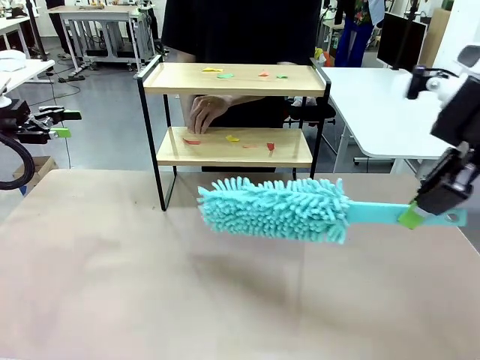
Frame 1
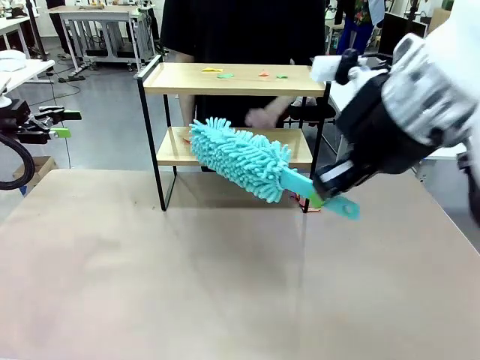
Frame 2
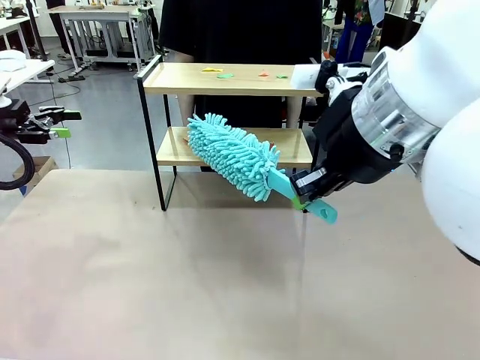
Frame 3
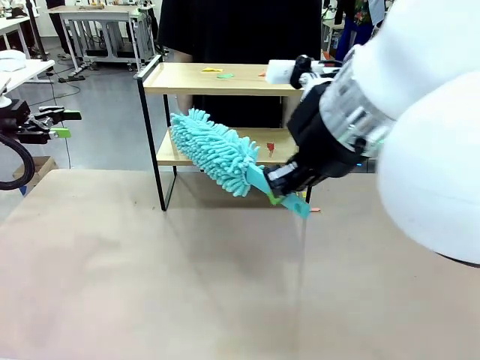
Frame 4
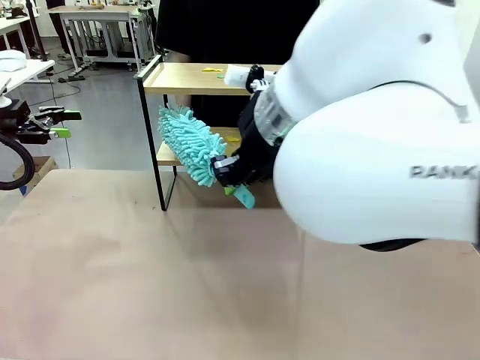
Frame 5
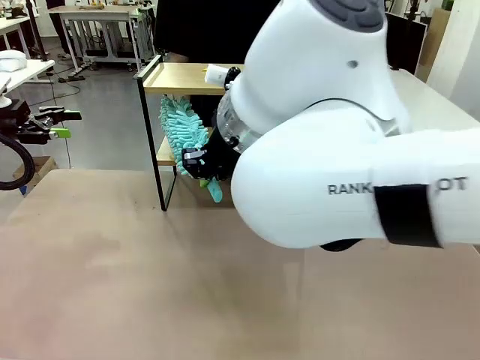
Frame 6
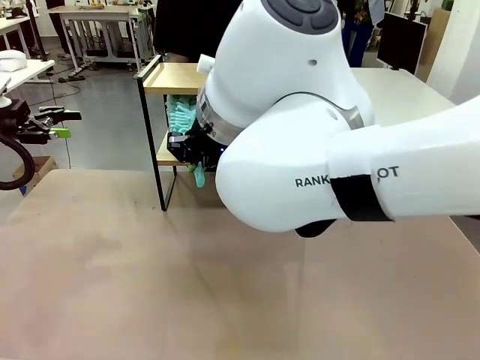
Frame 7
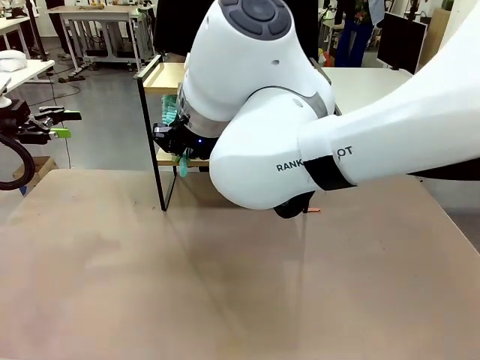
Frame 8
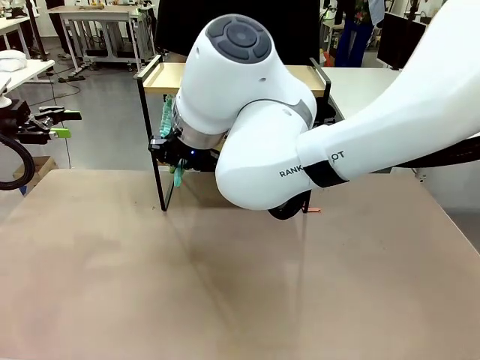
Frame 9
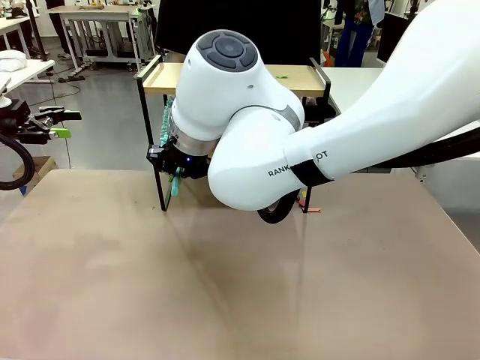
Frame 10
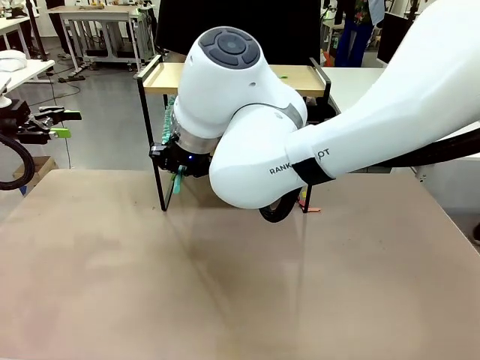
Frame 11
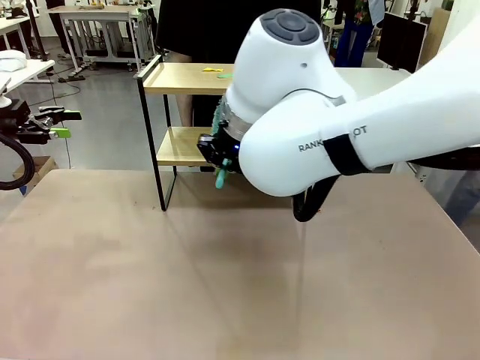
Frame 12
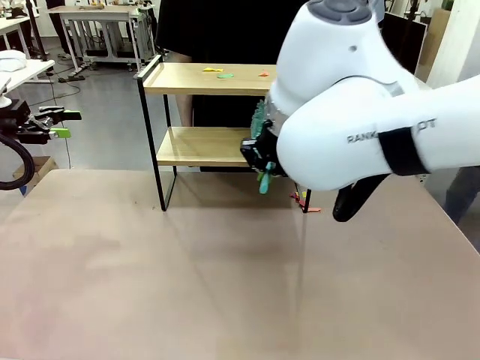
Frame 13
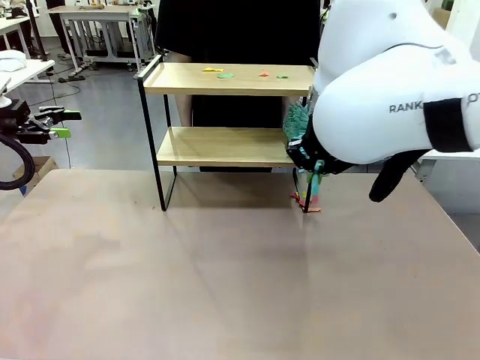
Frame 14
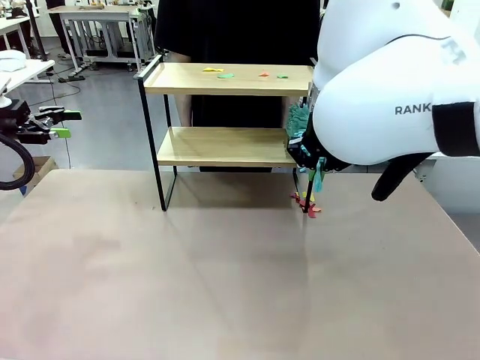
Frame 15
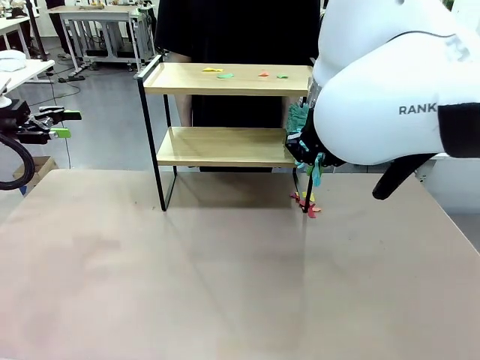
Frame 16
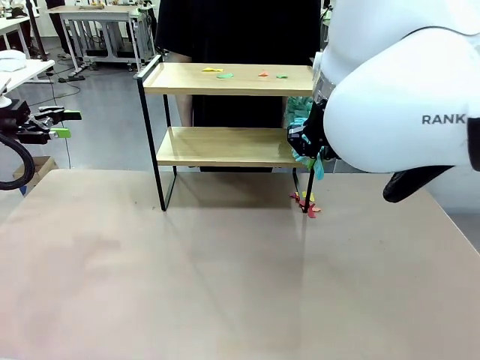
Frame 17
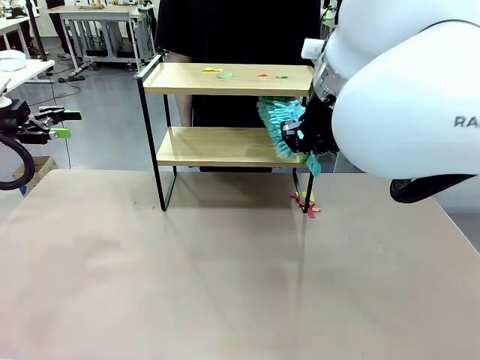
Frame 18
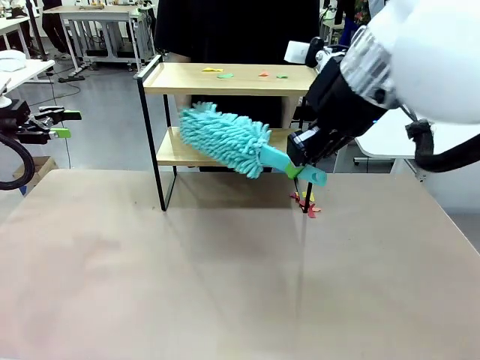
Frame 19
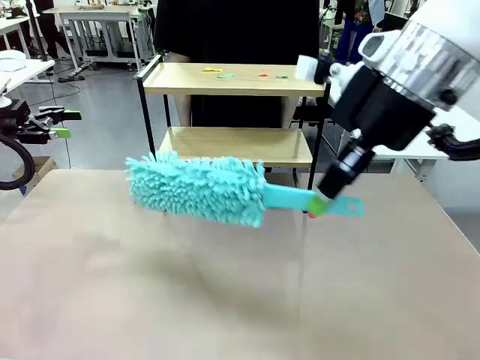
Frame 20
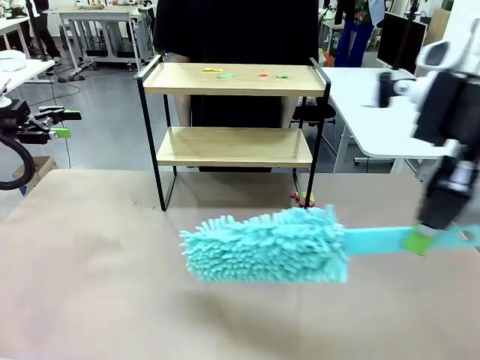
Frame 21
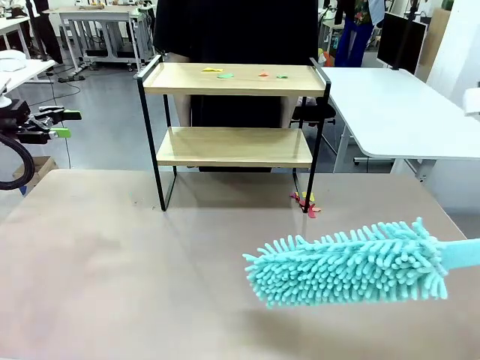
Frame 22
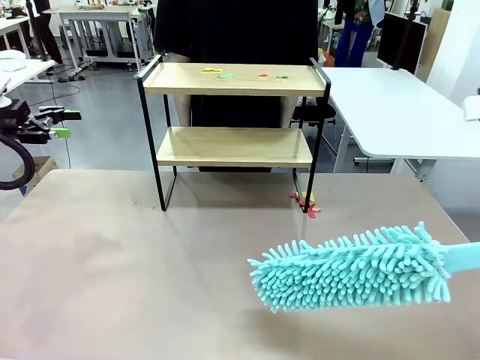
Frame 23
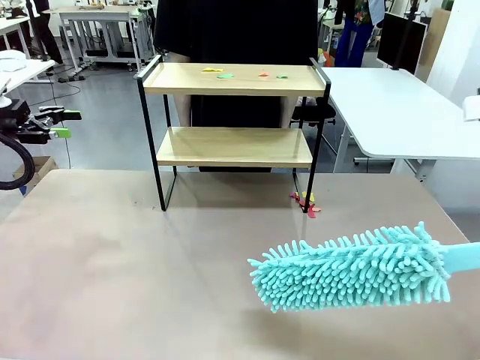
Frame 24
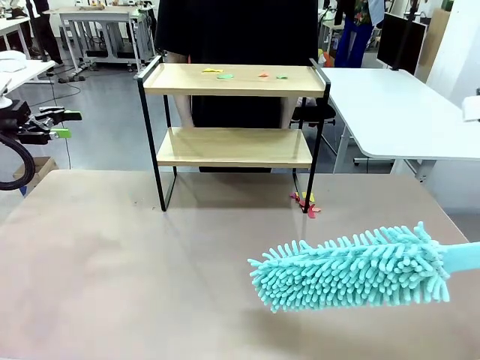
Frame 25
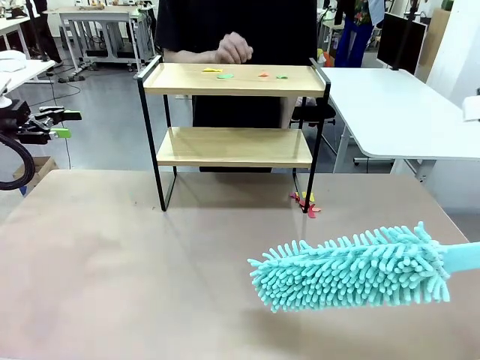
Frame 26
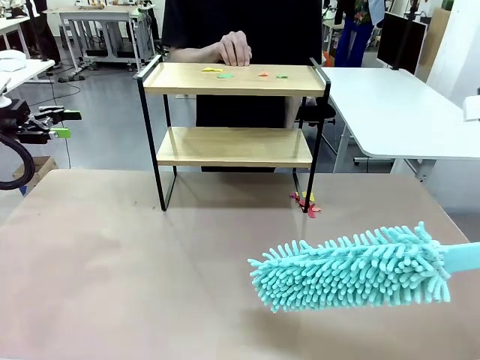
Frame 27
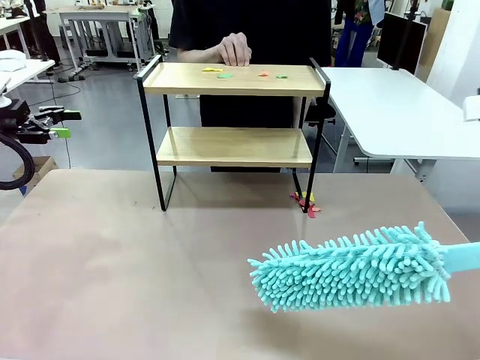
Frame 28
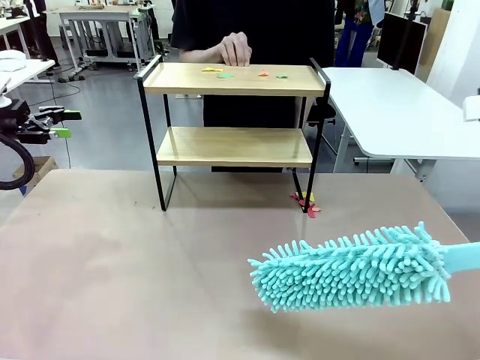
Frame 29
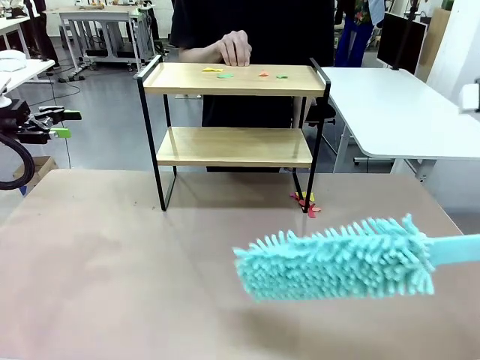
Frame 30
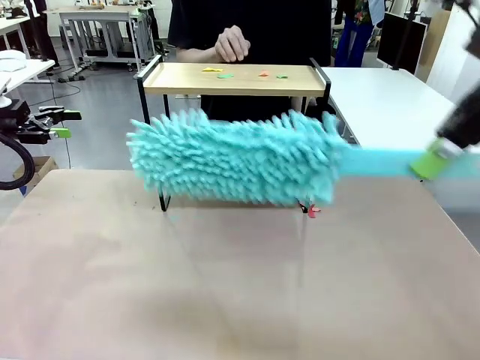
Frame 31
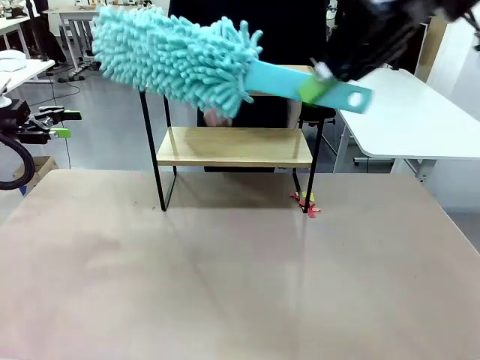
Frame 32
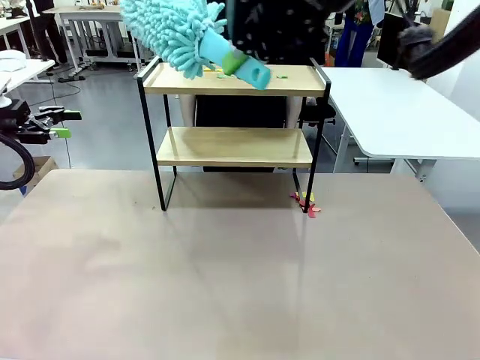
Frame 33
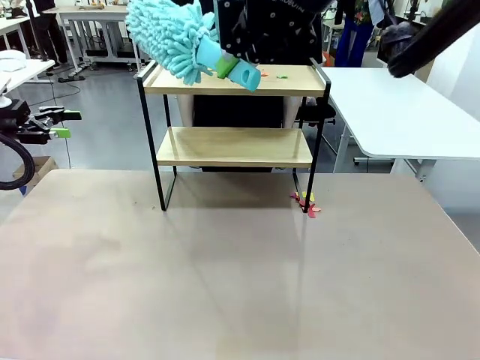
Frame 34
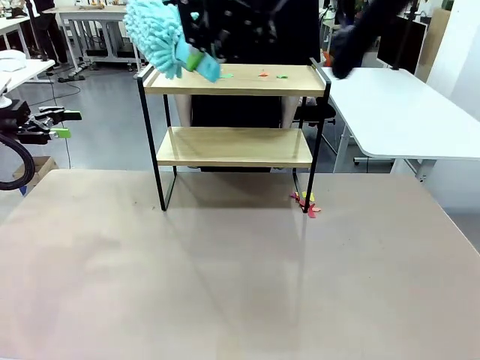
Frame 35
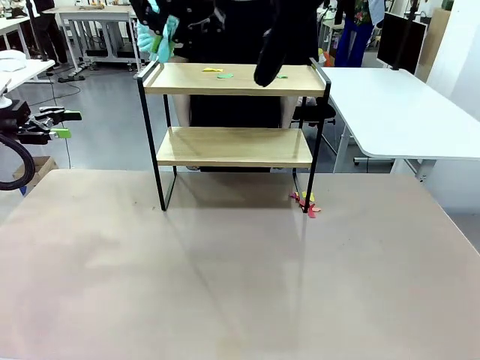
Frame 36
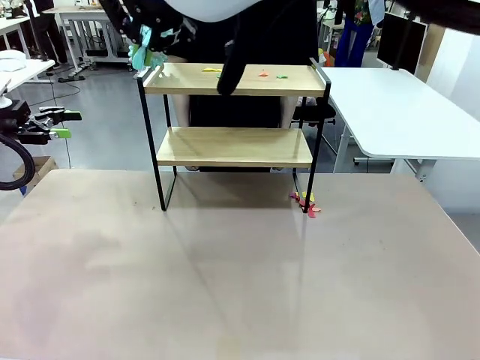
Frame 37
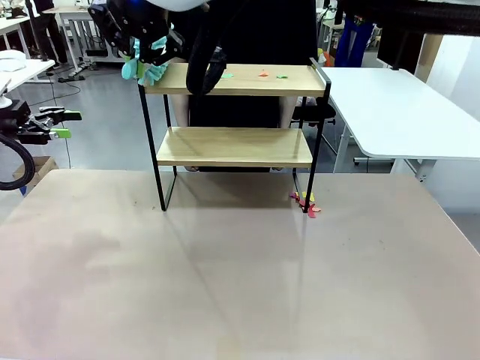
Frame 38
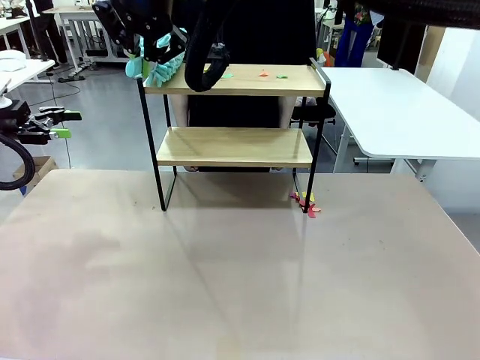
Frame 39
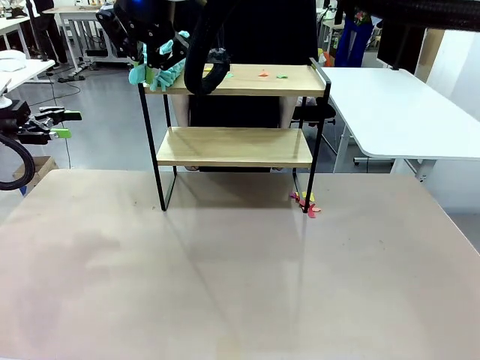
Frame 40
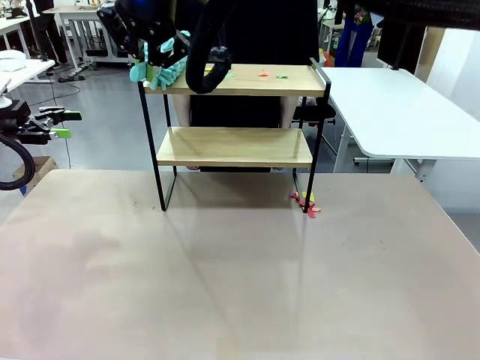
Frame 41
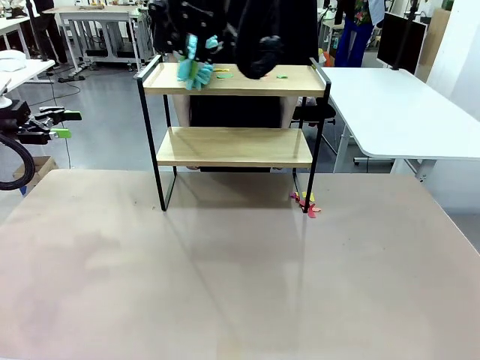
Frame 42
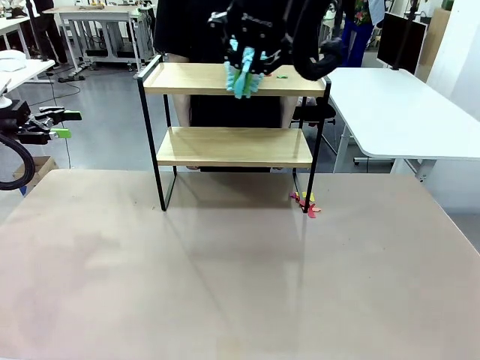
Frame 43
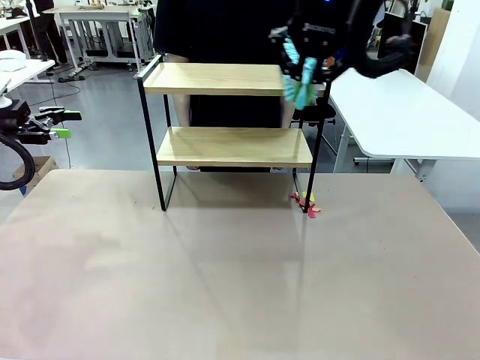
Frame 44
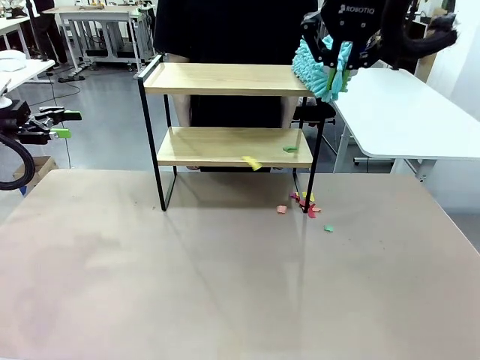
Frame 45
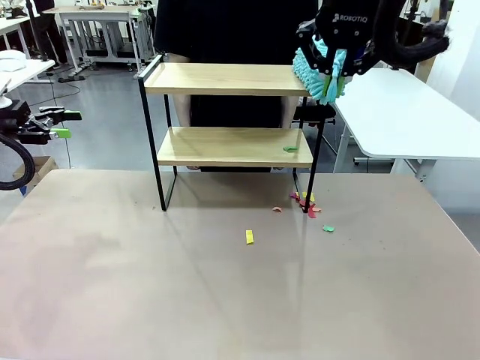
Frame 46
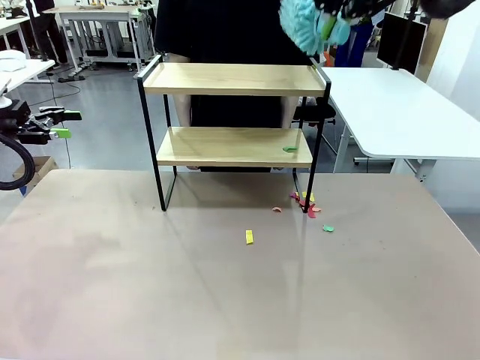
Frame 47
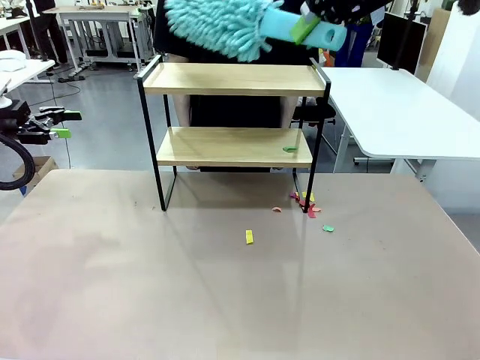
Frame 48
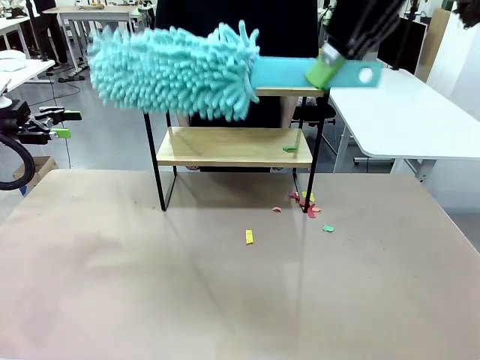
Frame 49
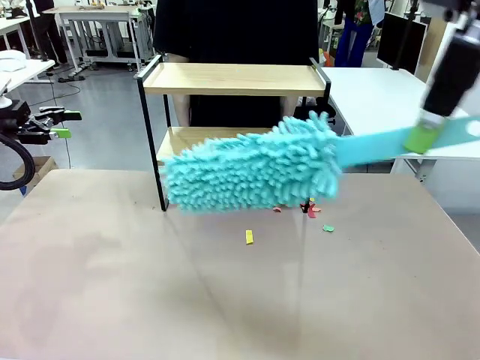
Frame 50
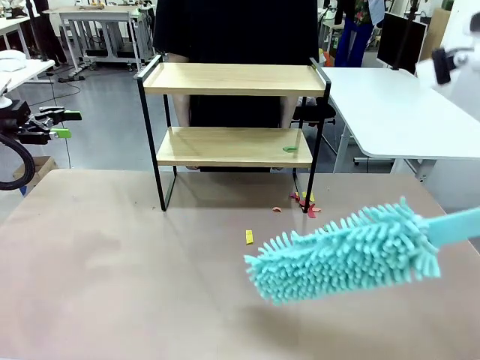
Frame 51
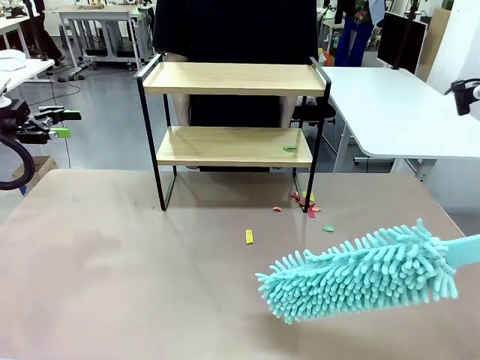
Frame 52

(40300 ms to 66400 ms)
Task: Clean the shelf.
Robot: Clean the specific section of the Shelf indicated by the human with the Duster.
Person: Point a remaining section of the Shelf.
